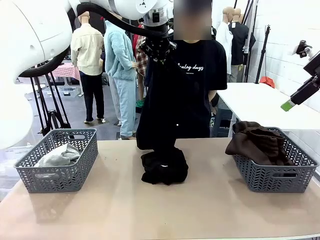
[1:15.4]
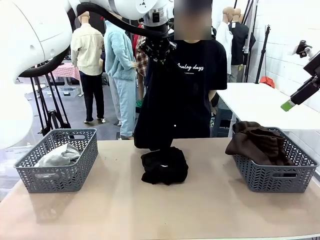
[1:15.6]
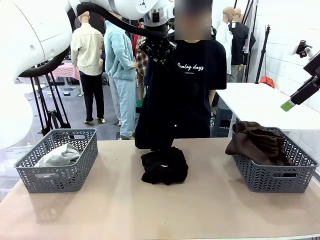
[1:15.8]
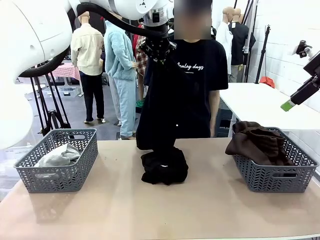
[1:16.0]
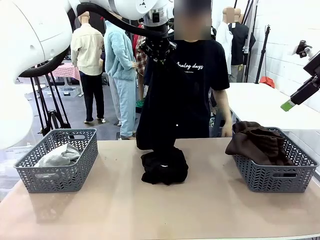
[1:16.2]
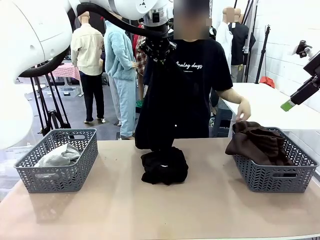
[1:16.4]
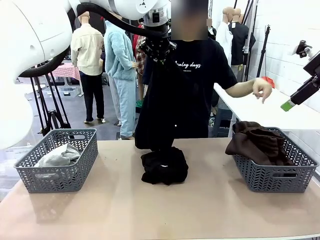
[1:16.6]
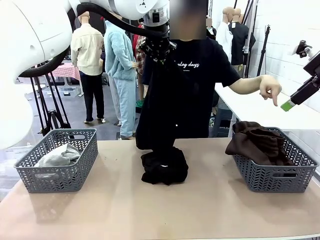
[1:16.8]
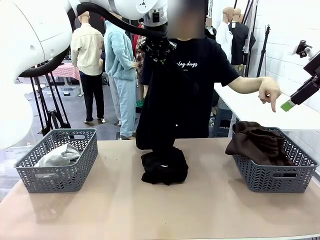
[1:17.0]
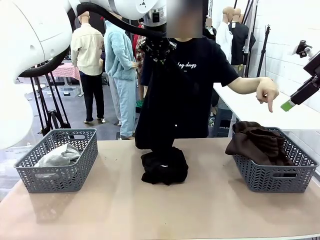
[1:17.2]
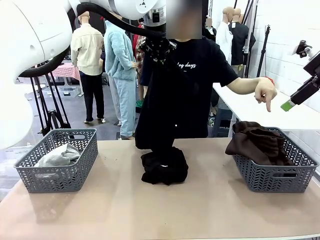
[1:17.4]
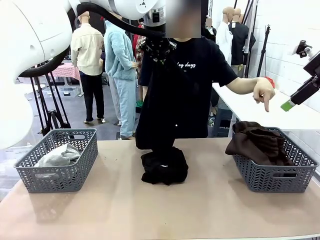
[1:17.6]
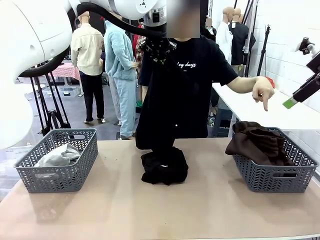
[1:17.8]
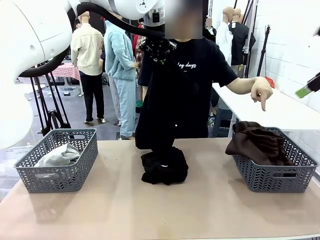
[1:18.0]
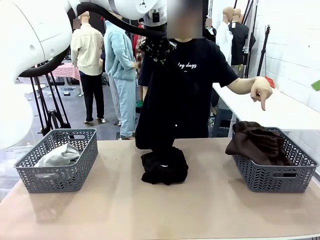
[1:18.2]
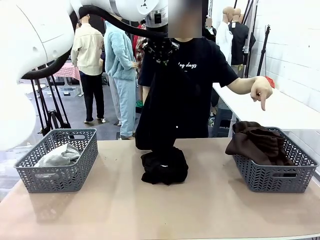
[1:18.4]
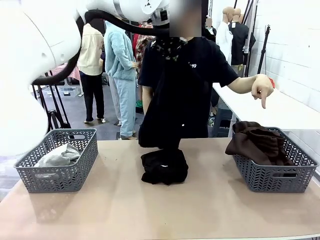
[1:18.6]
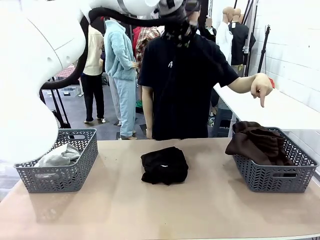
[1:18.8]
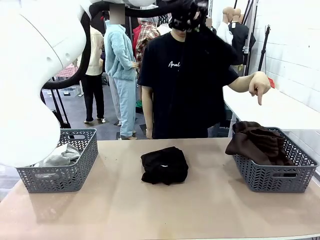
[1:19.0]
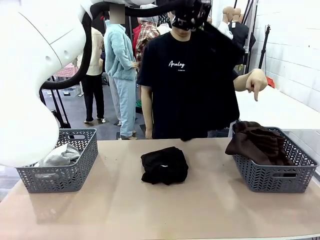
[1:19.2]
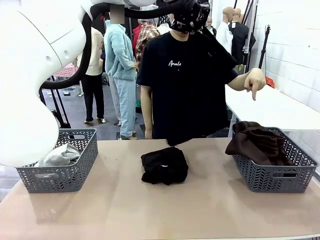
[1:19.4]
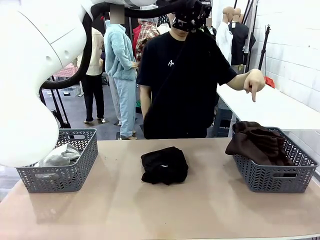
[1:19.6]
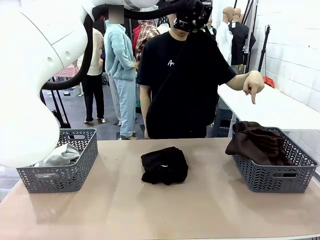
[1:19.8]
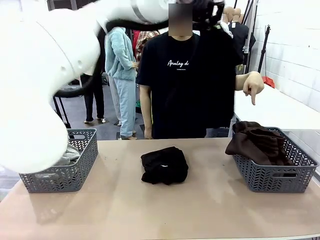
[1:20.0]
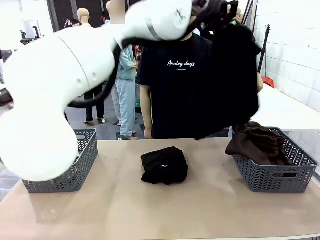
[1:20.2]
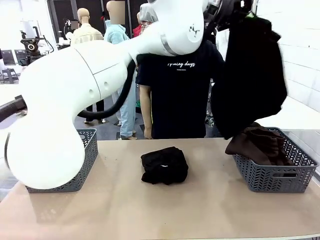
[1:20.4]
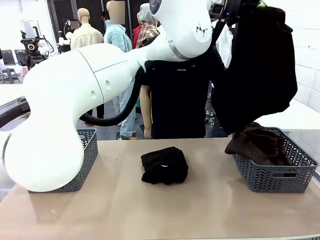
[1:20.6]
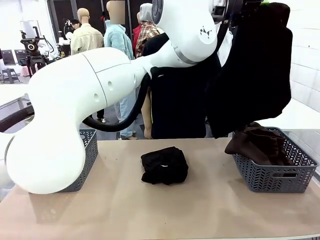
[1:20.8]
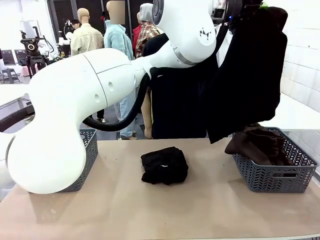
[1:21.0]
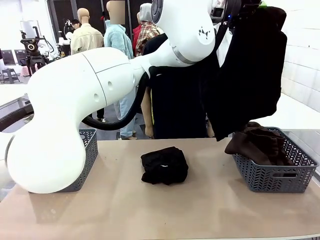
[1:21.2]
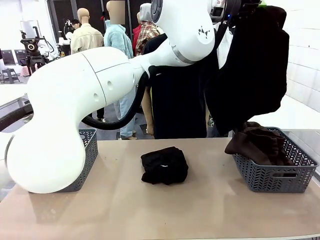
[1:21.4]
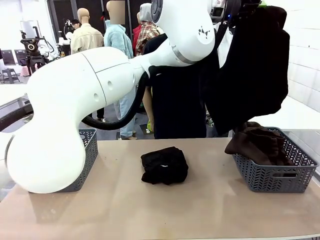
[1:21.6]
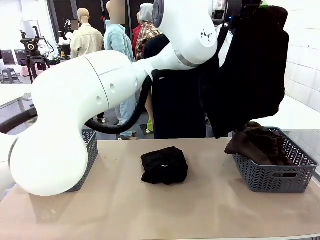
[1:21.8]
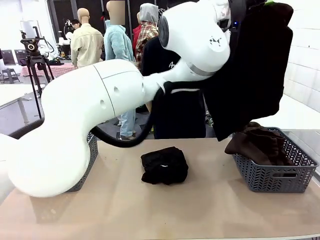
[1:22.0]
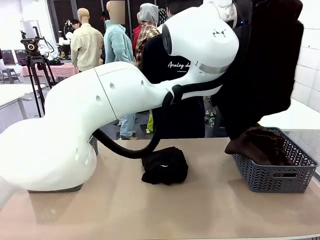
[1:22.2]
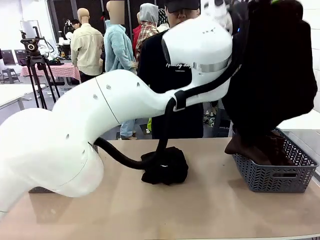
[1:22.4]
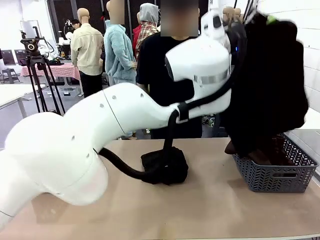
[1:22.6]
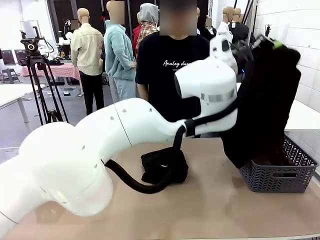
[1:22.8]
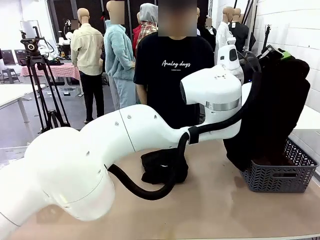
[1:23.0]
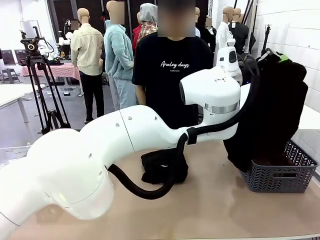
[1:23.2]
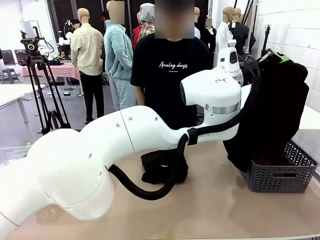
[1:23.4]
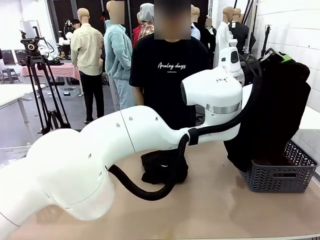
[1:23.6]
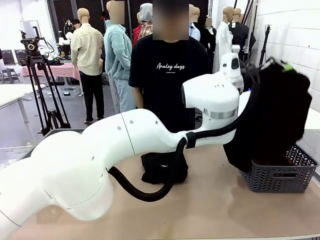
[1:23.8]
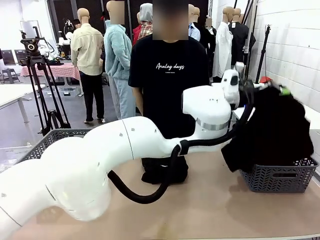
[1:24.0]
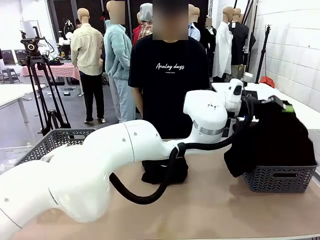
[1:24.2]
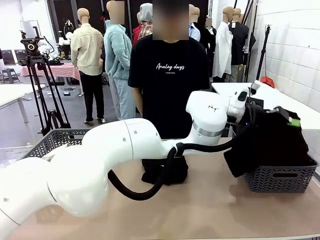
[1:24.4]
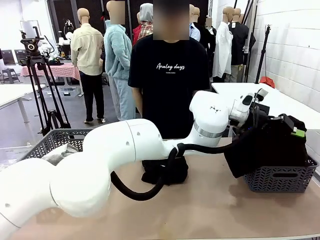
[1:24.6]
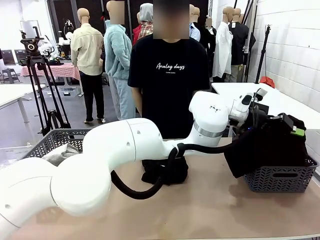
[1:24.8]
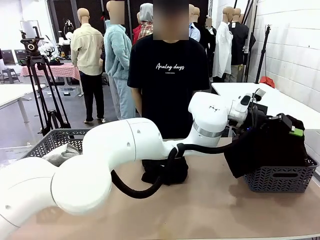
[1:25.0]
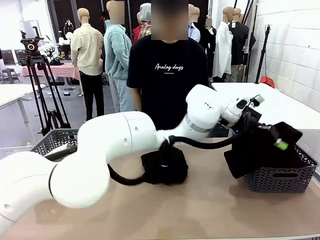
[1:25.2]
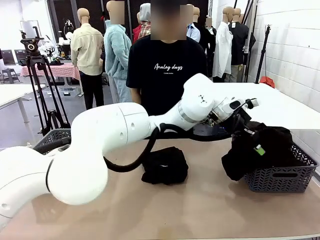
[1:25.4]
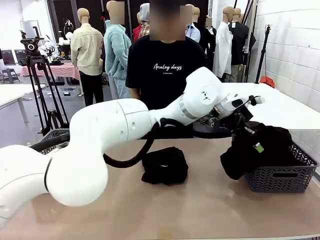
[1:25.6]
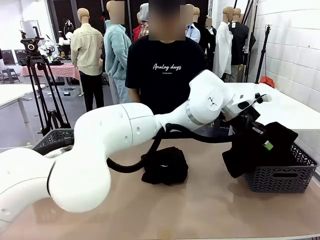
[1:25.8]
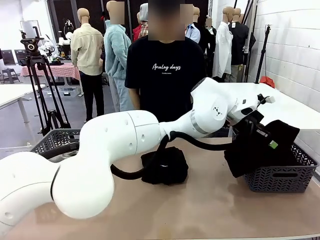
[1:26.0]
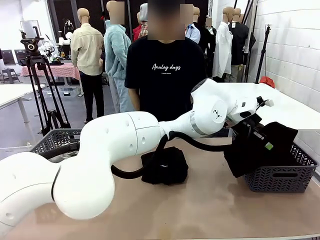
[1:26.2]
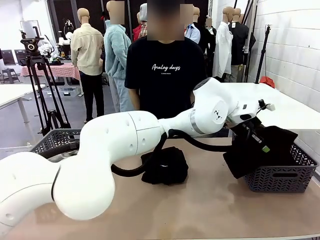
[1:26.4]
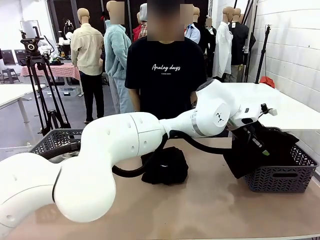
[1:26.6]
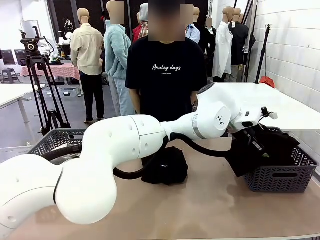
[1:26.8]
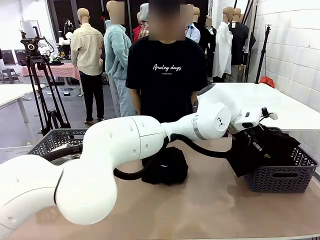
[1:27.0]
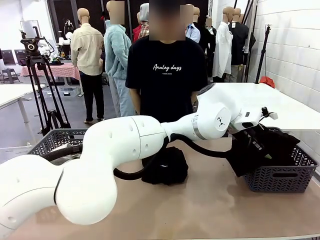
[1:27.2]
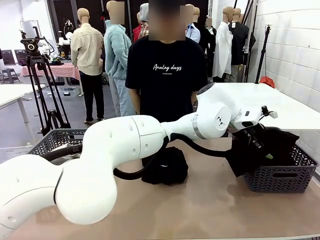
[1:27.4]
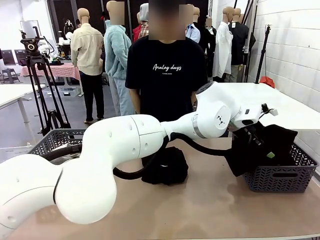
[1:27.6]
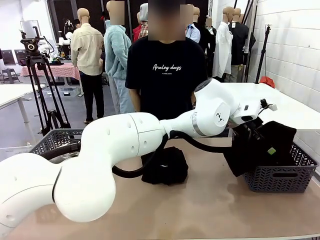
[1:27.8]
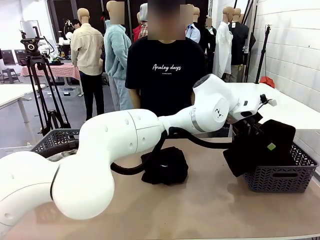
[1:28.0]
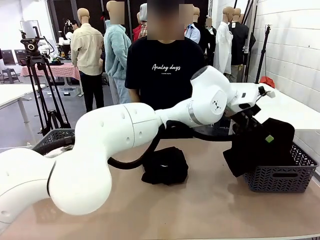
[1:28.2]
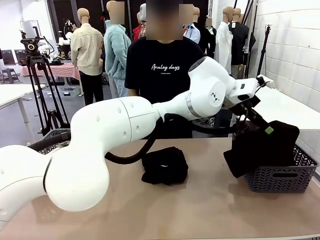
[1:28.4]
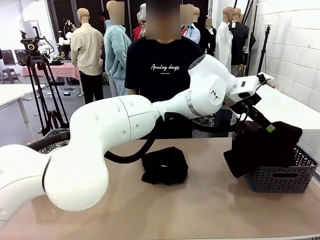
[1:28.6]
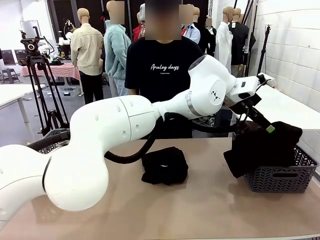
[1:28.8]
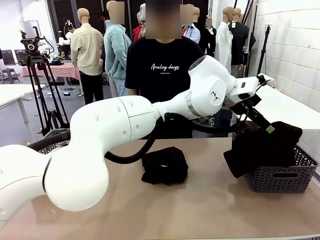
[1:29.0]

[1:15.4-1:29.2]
Task: Sort the tops and bottoms.
Robot: Sort the clothes according to human instructions.

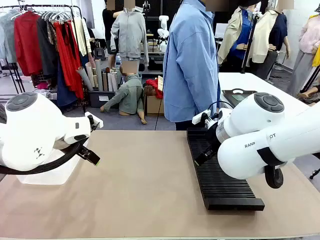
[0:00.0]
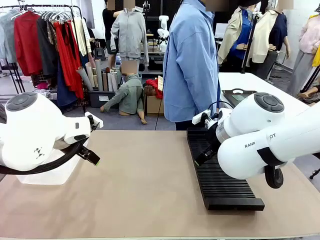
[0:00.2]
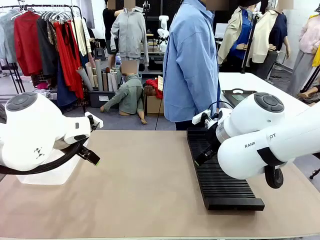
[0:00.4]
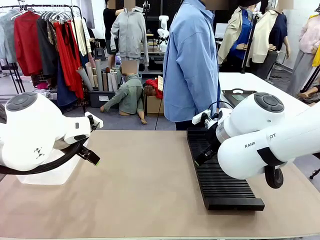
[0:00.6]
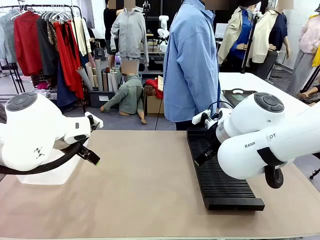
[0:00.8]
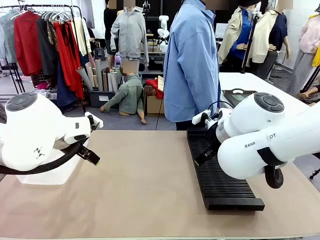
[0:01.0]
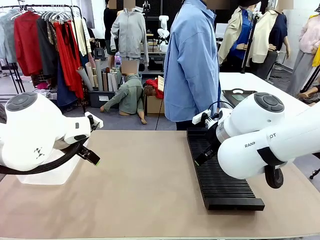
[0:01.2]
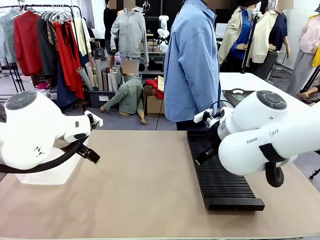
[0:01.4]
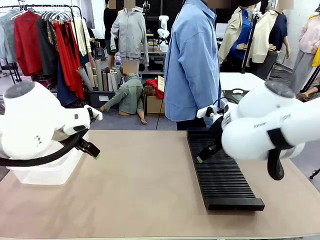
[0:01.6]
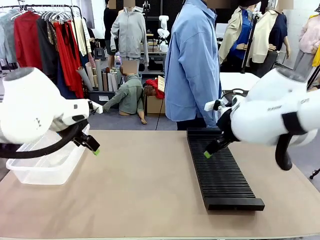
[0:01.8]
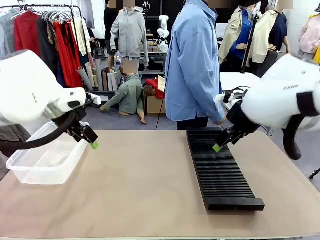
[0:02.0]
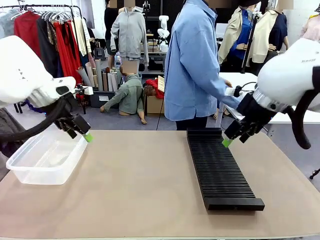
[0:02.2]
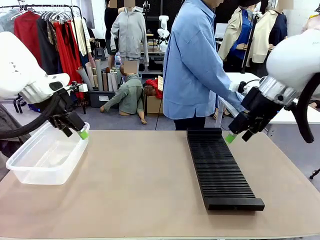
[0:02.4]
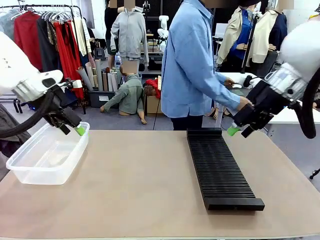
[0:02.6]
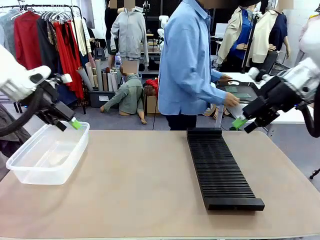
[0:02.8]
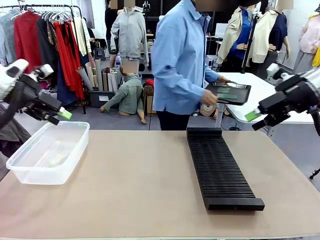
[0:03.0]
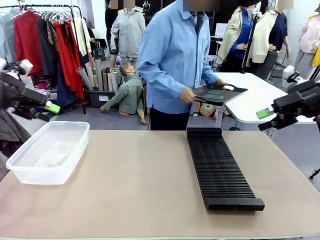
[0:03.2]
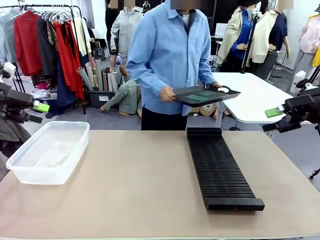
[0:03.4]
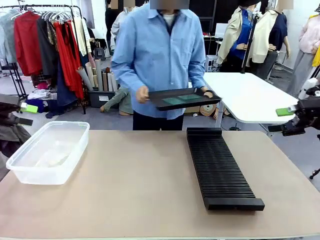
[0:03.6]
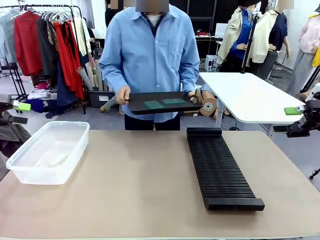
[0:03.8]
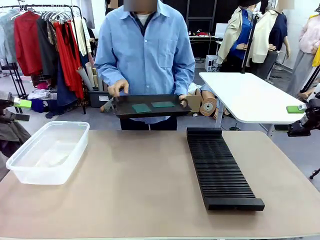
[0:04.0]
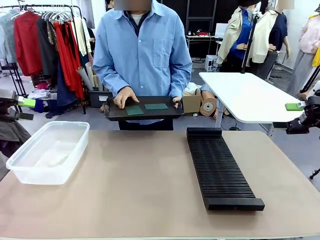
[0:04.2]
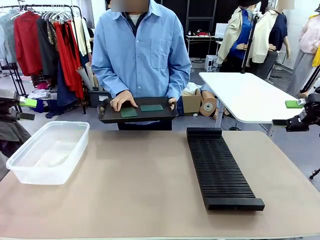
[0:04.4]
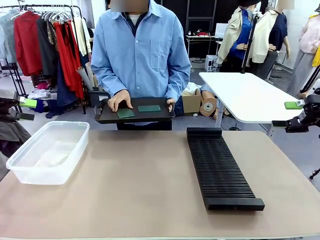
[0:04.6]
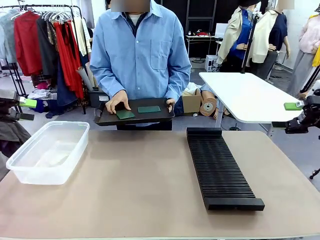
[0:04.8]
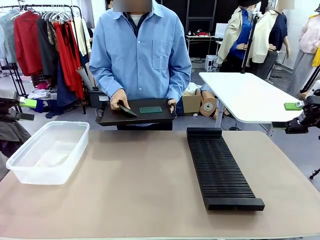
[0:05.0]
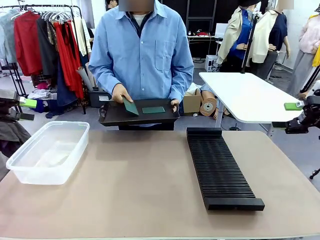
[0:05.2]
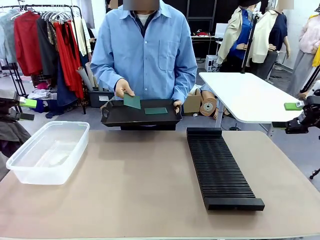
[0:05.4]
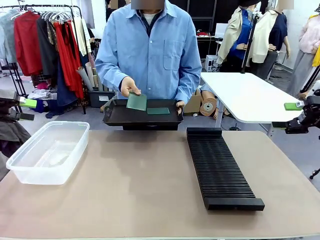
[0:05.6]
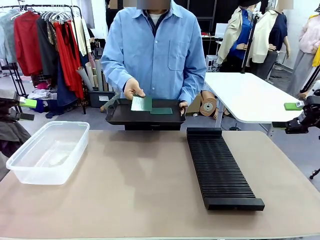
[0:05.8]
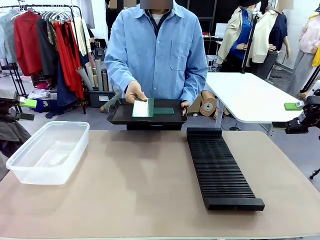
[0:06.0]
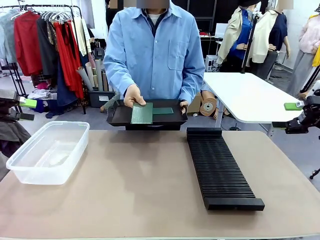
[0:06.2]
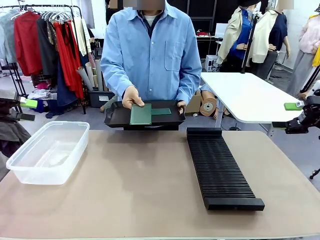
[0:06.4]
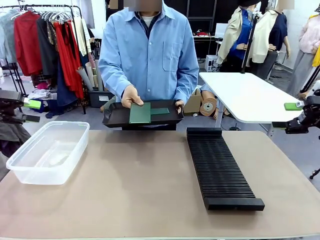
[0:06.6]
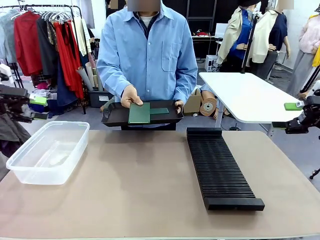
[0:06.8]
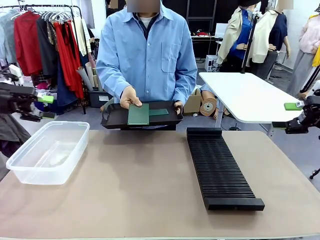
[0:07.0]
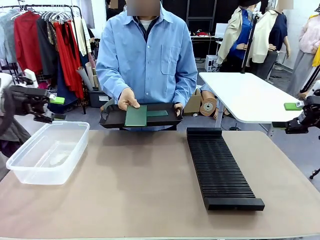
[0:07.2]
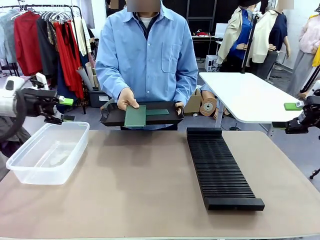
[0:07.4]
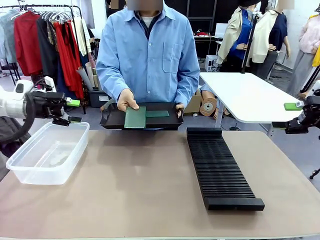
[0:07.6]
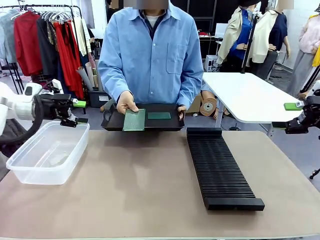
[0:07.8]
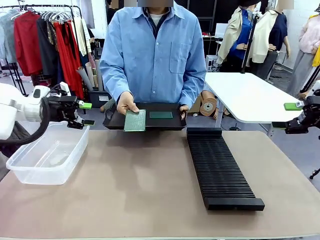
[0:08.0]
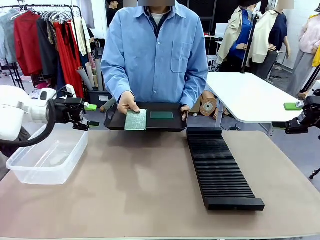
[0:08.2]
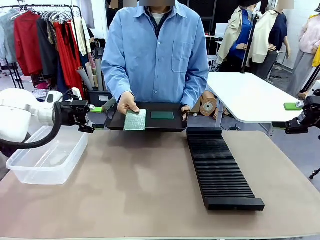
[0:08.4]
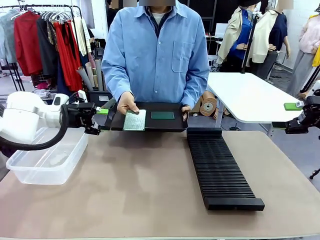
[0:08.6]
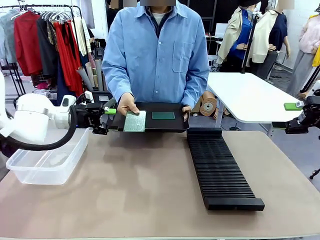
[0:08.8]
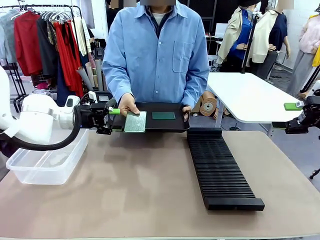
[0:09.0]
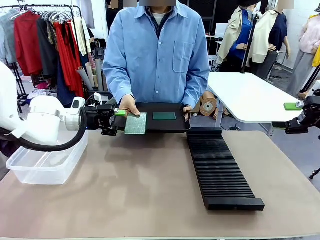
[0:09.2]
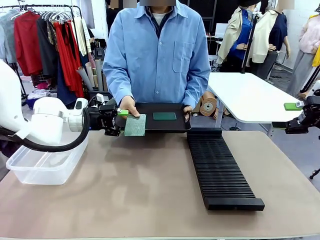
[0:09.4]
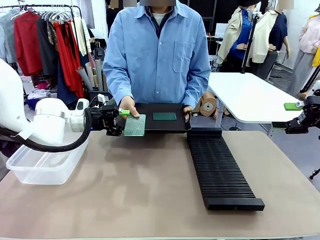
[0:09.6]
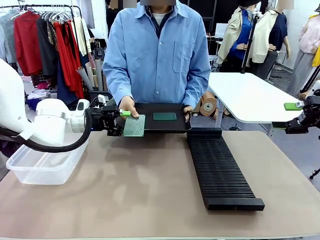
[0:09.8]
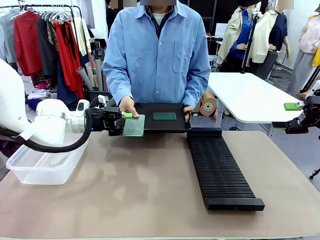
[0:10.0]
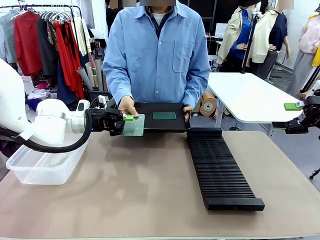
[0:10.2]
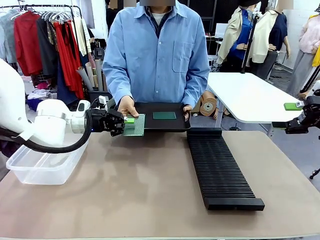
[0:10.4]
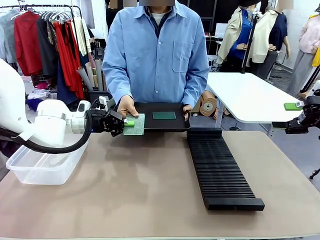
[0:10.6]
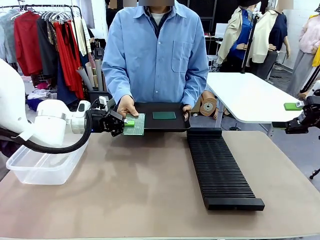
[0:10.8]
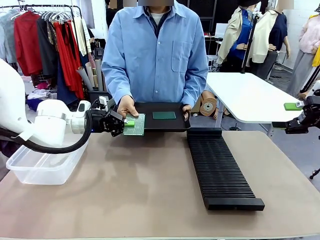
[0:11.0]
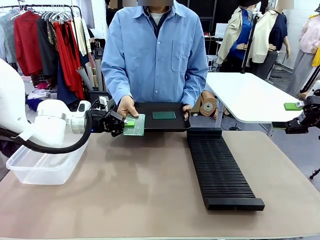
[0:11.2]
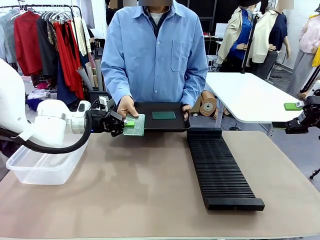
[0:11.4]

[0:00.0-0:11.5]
Task: Sort PCBs into racks and boxes based on the side picked up.
Robot: Pick up the Blank PCB handed by the Human.
Person: Pick one PCB from the tray and present it to the robot. Release the PCB being held.
